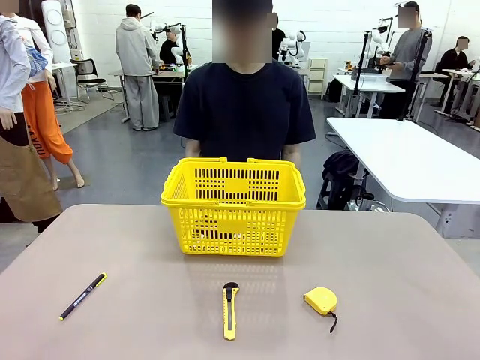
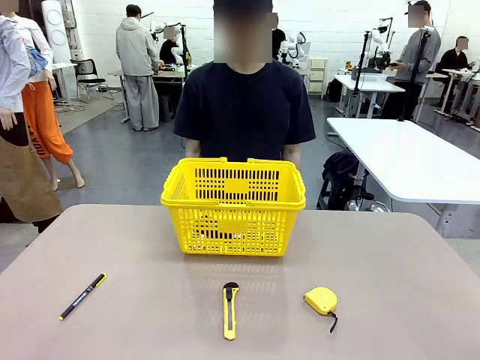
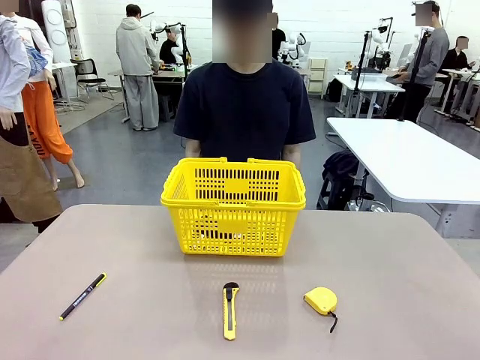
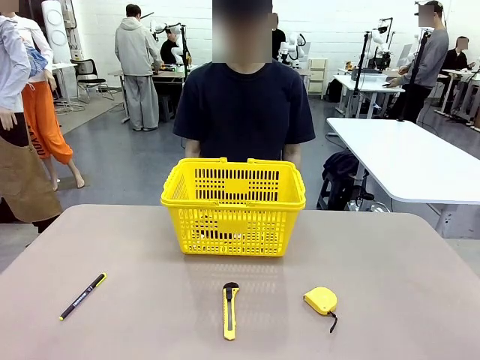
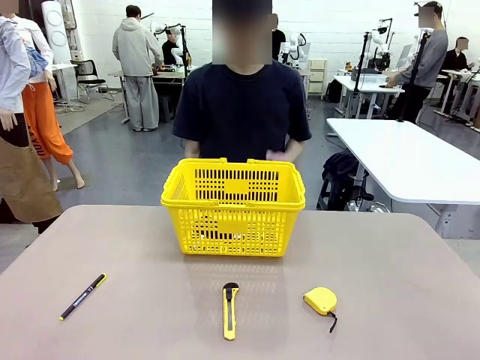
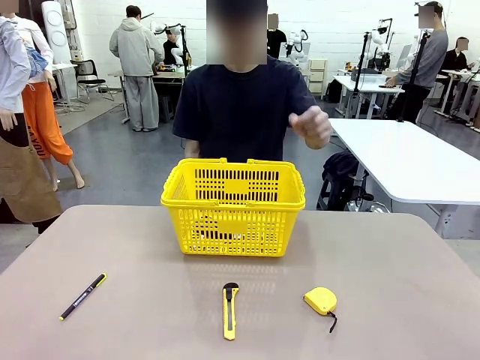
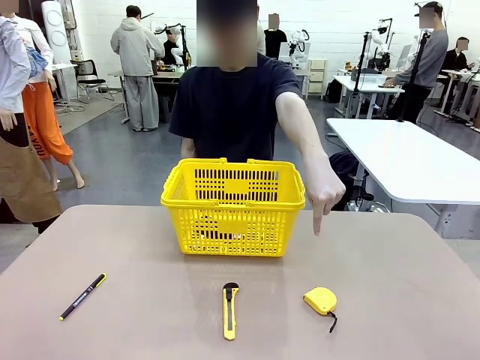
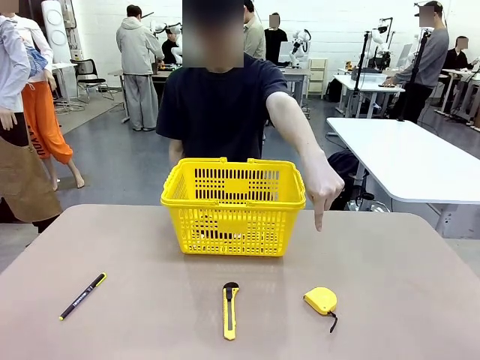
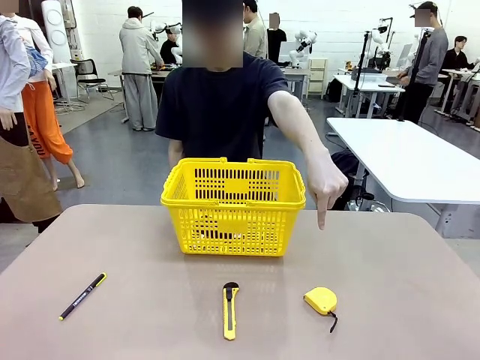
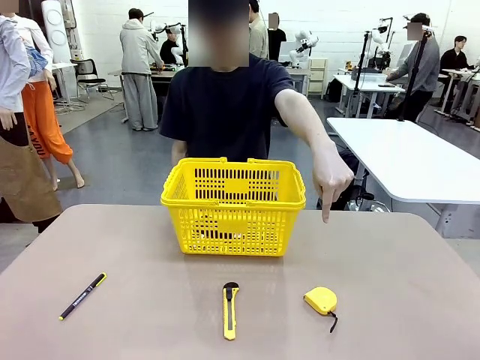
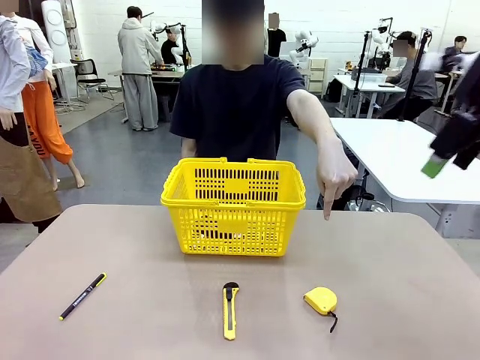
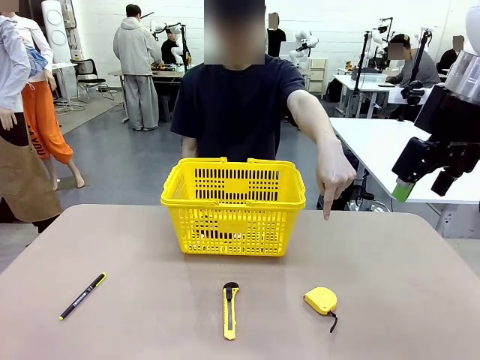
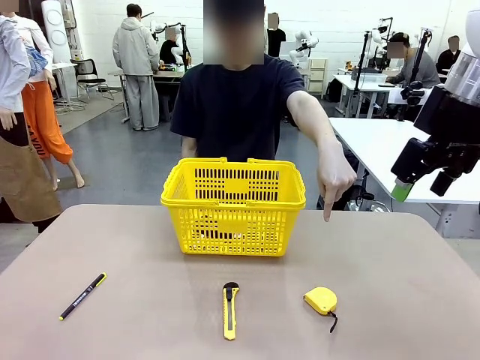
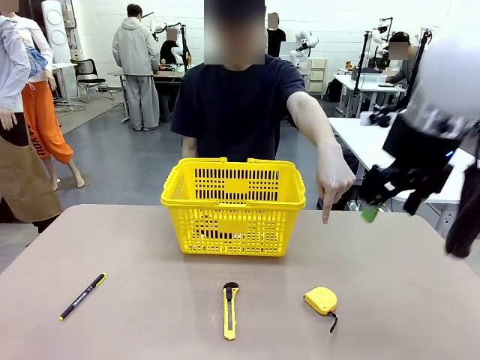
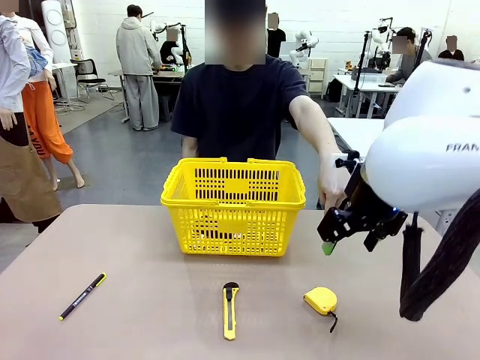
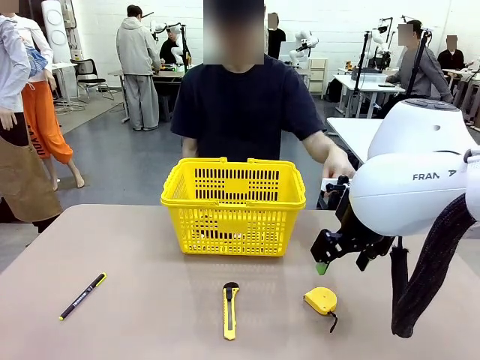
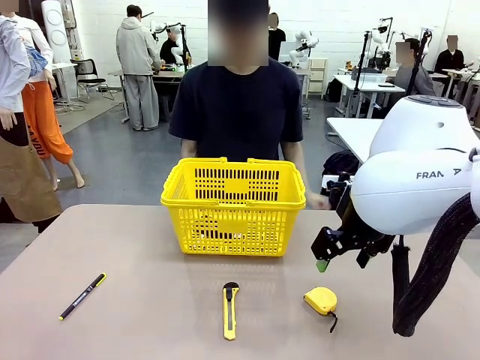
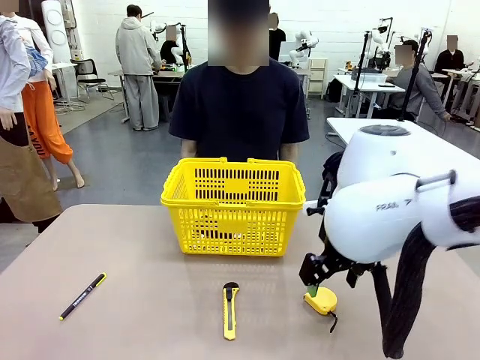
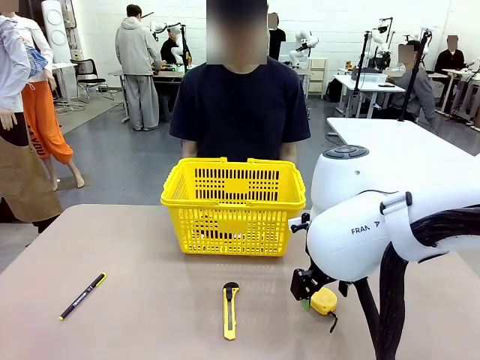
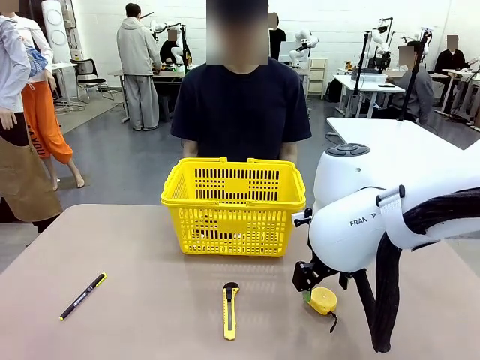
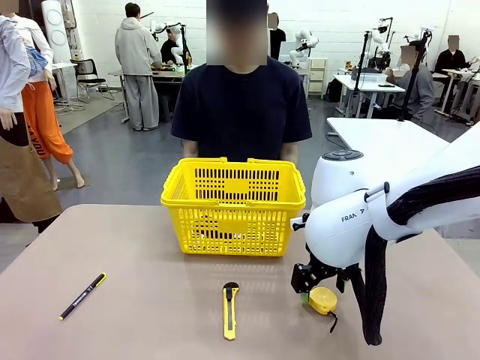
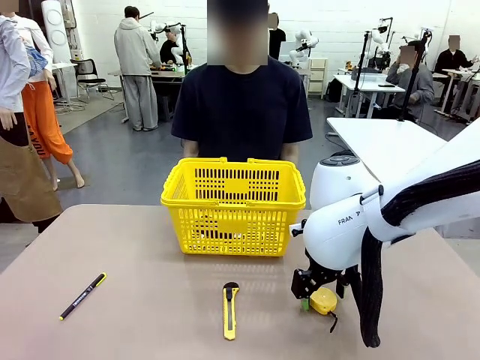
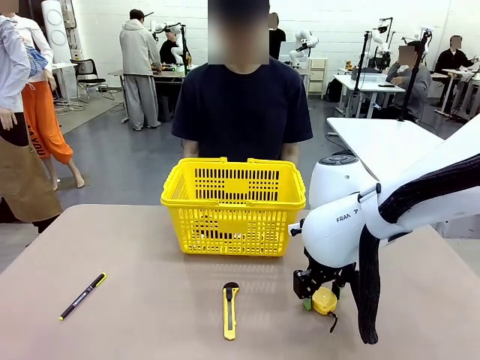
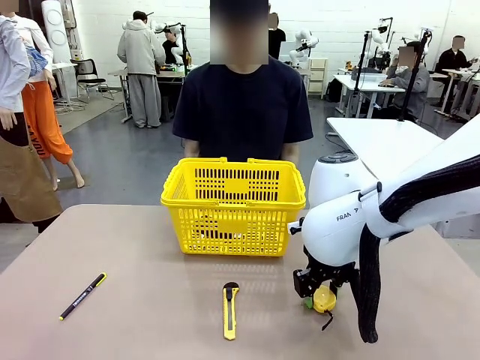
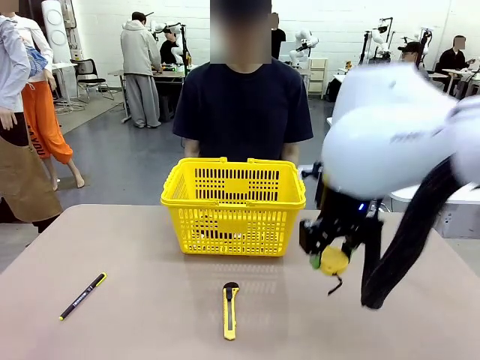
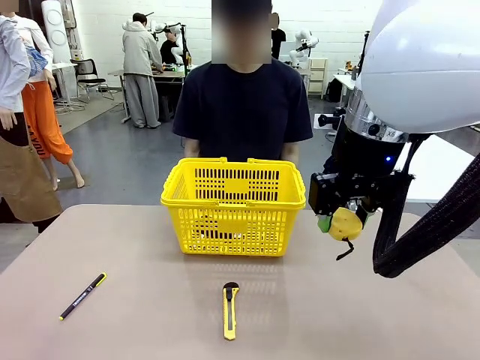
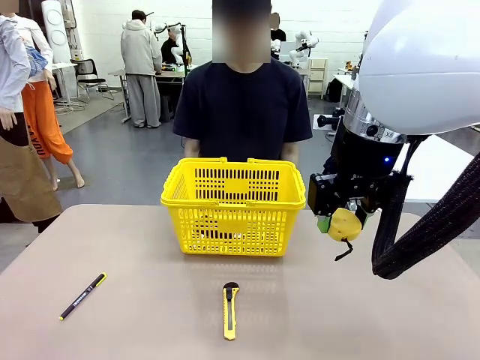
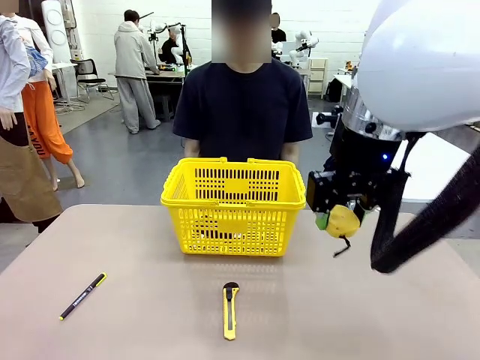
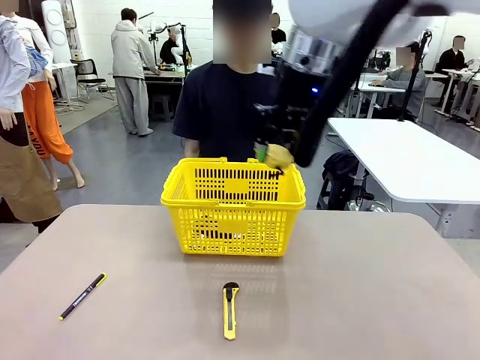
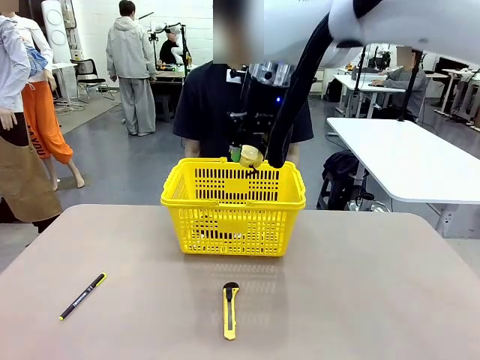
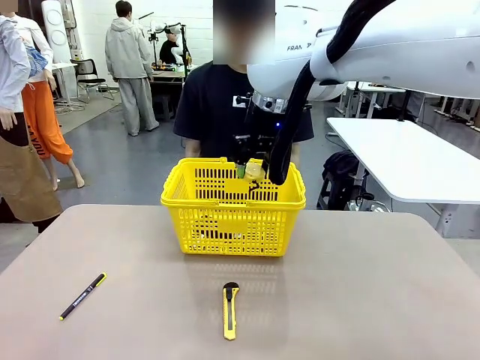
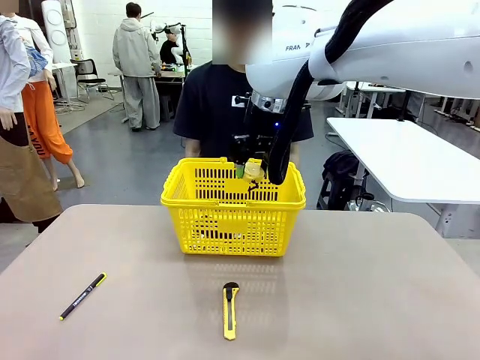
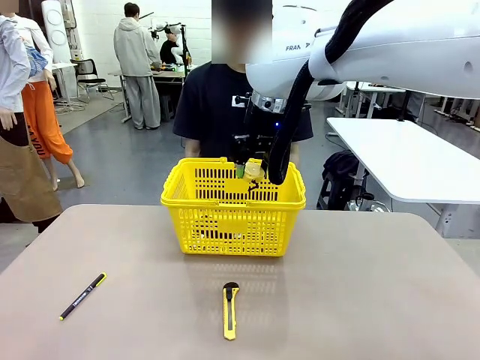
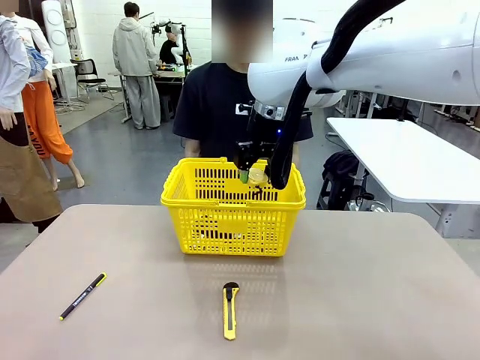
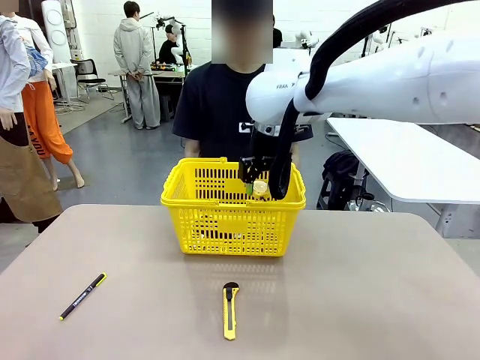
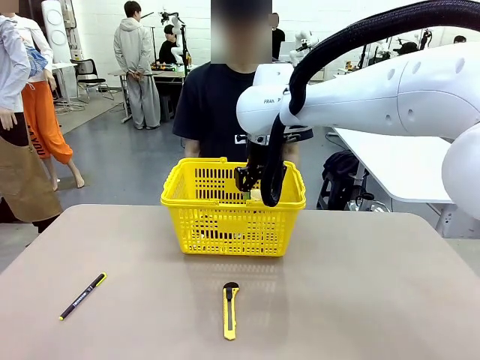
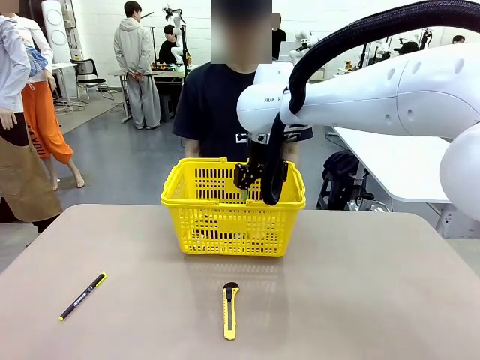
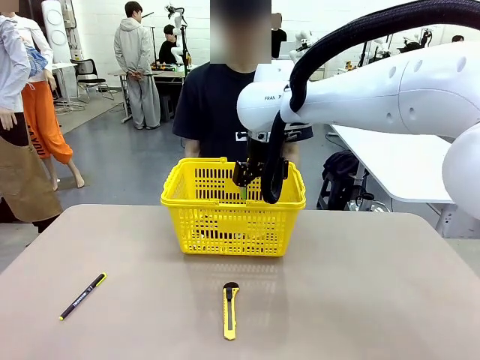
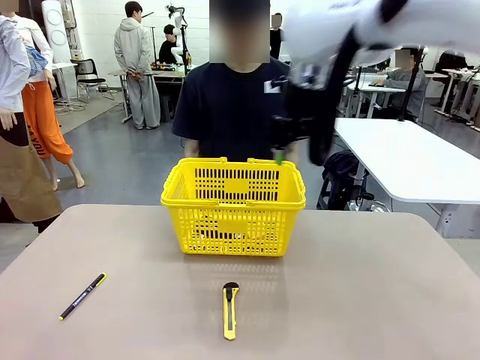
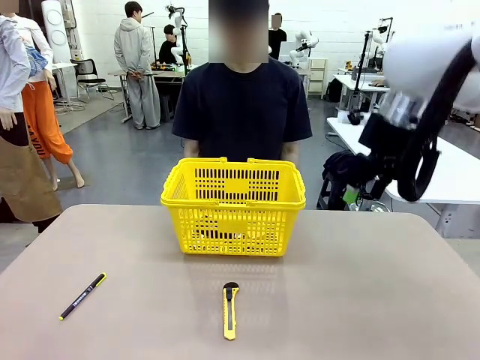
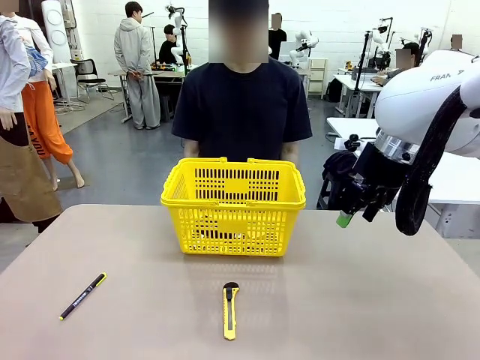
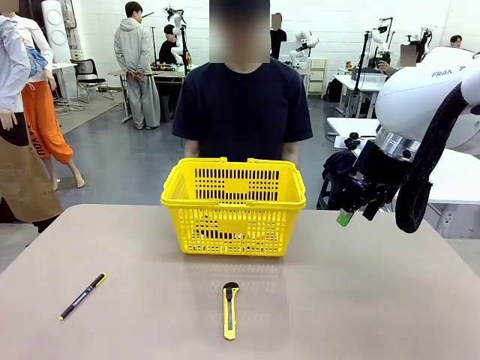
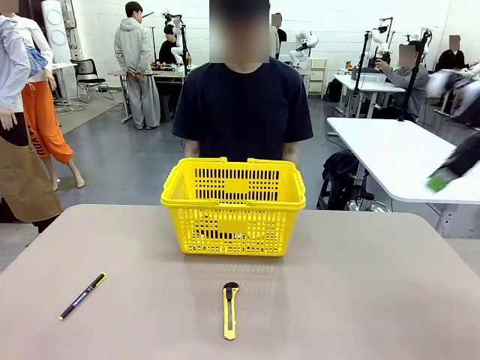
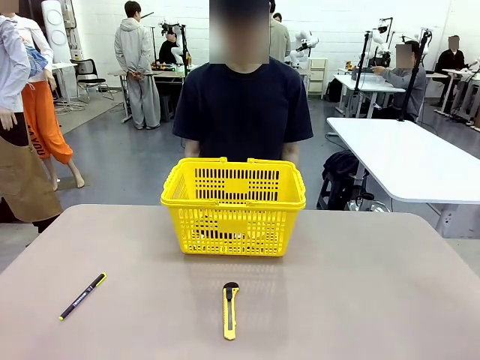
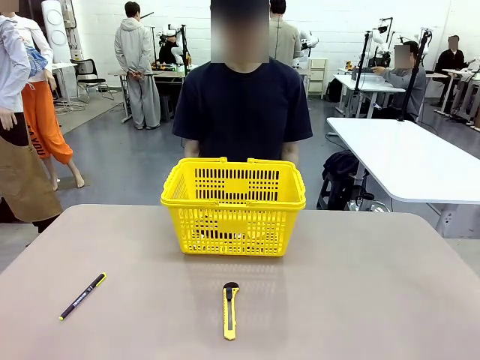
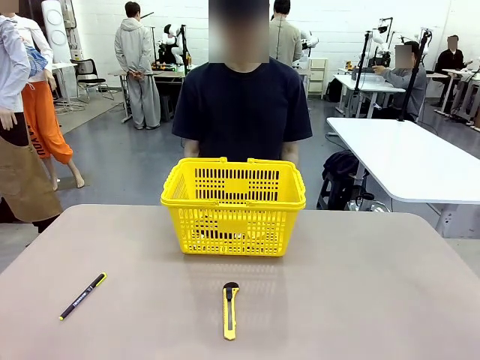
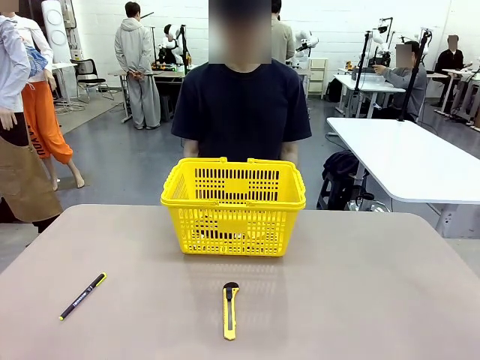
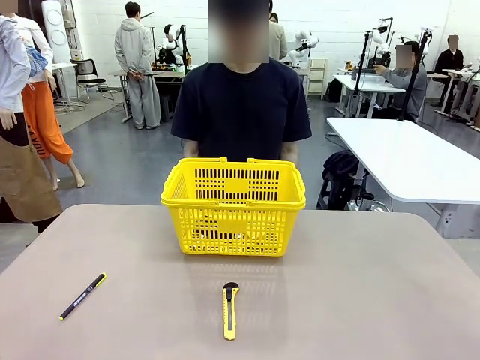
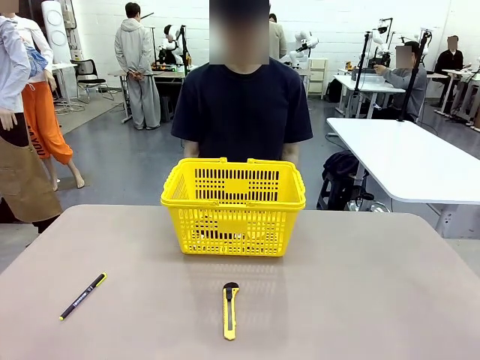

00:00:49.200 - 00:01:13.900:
Task: Place the items the person wants into the basket.
Robot: Pick up the item the person points to and place it in the Market Basket.

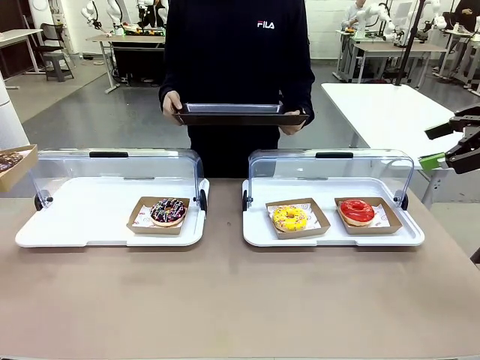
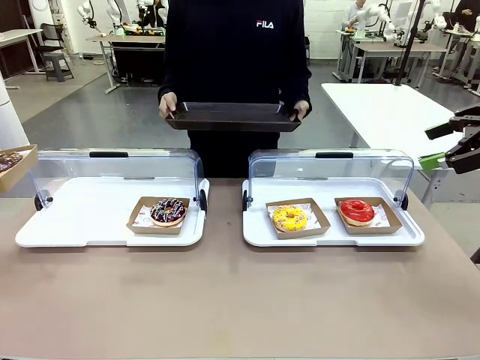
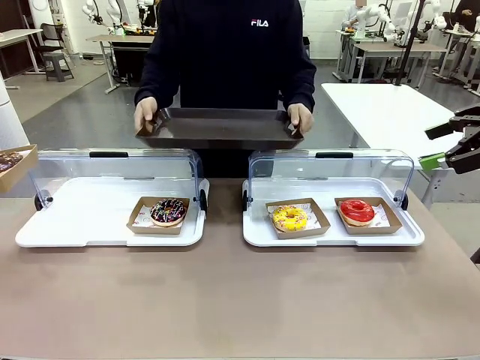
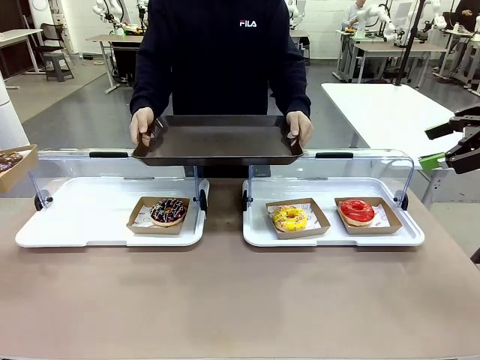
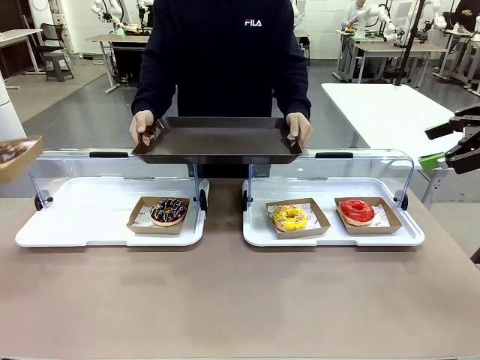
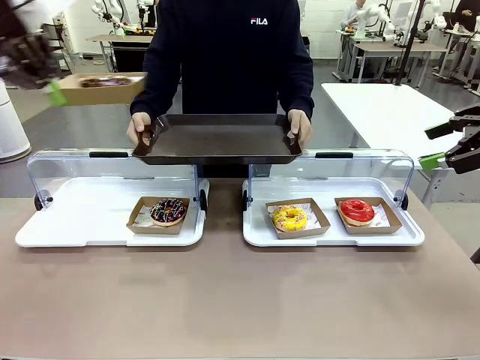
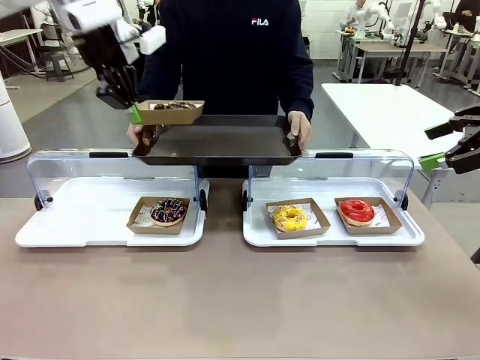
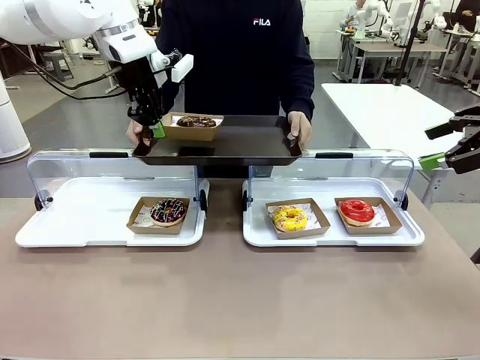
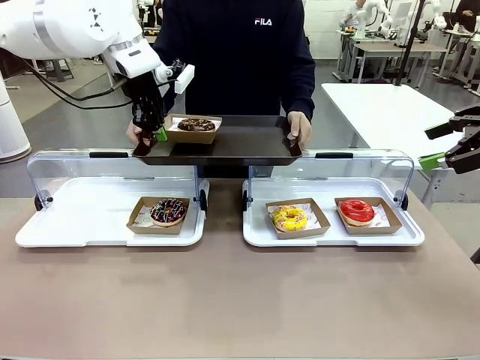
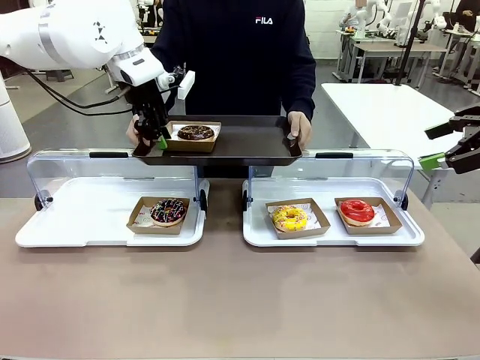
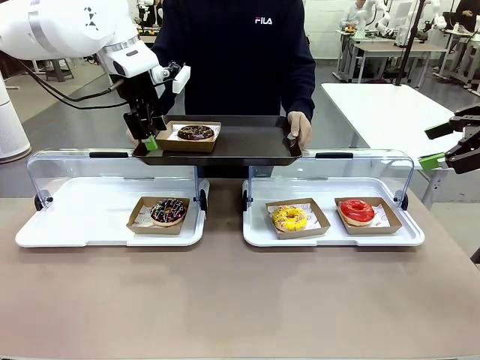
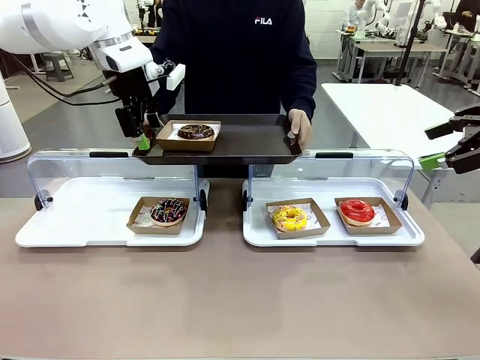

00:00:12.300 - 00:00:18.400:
Task: Provide the desired donut to the person.
Robot: Place the picked Paper togo box onto the Handle tray extended by the person.
